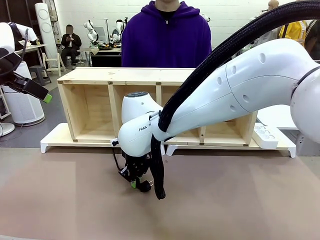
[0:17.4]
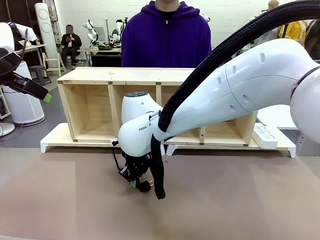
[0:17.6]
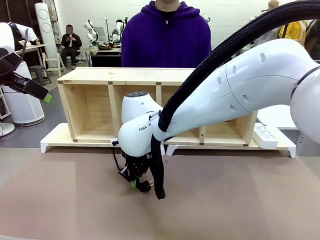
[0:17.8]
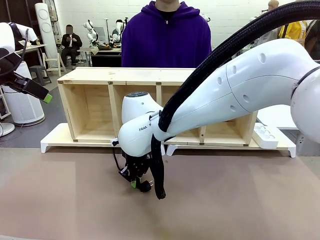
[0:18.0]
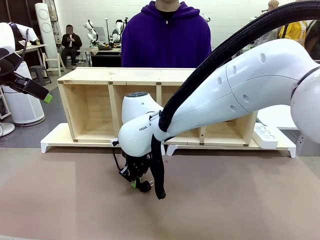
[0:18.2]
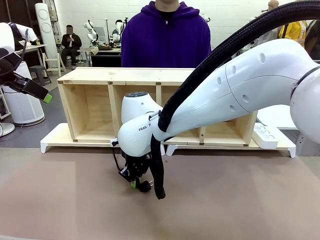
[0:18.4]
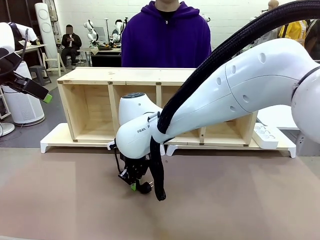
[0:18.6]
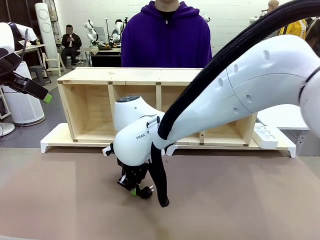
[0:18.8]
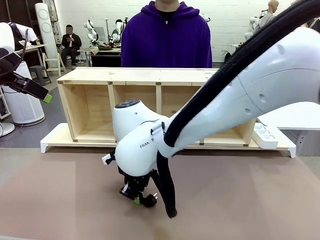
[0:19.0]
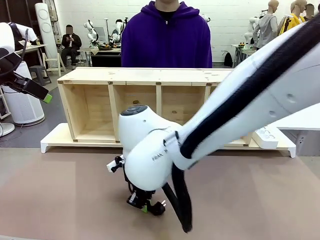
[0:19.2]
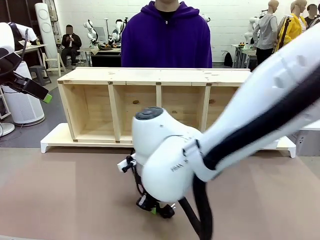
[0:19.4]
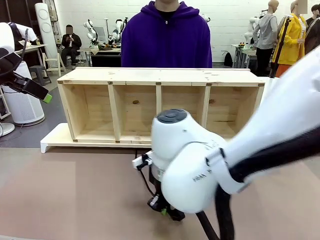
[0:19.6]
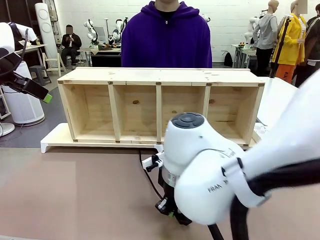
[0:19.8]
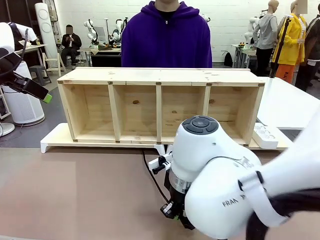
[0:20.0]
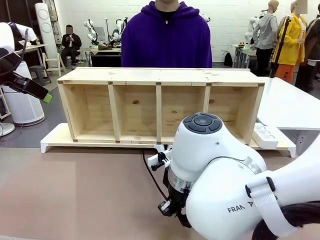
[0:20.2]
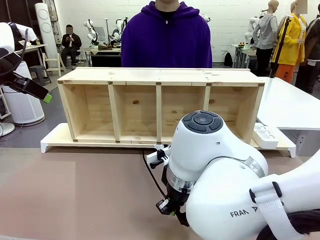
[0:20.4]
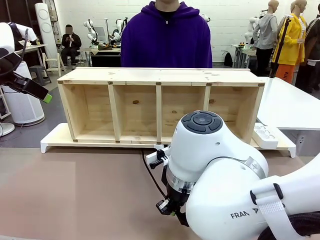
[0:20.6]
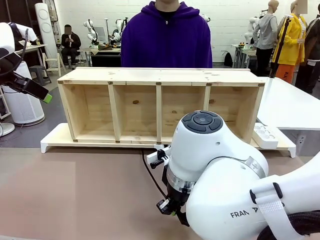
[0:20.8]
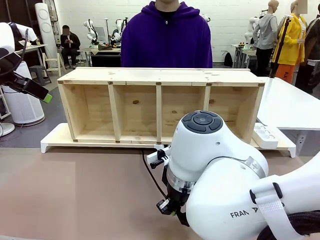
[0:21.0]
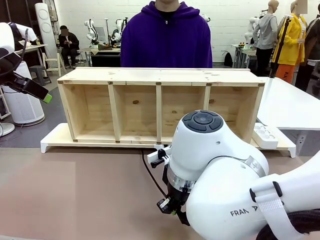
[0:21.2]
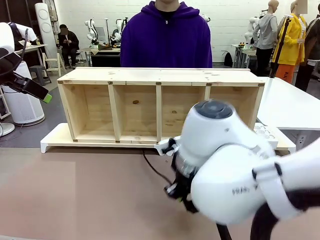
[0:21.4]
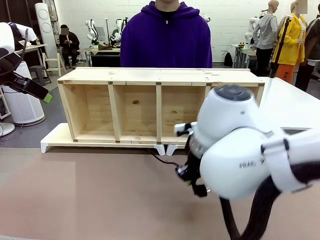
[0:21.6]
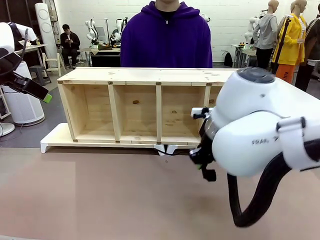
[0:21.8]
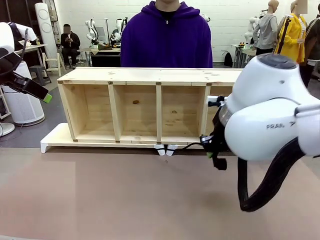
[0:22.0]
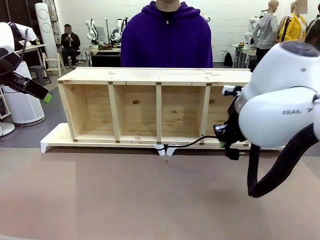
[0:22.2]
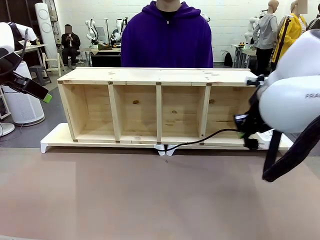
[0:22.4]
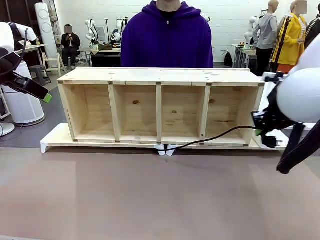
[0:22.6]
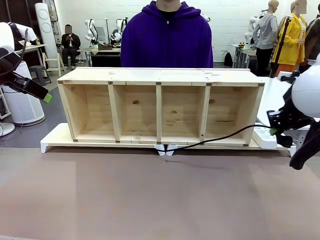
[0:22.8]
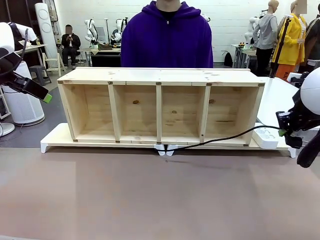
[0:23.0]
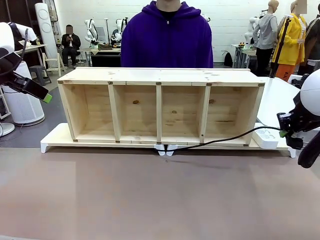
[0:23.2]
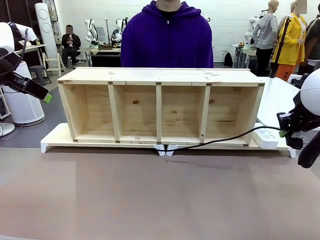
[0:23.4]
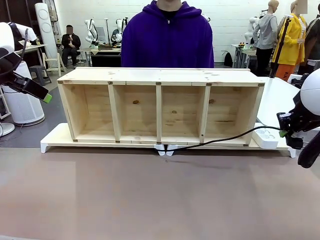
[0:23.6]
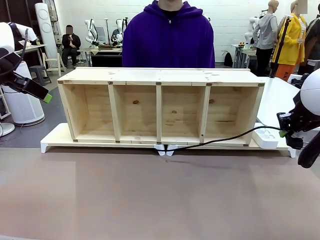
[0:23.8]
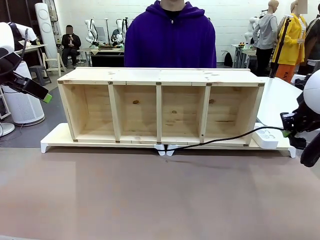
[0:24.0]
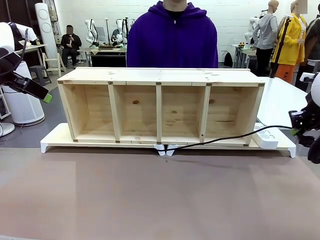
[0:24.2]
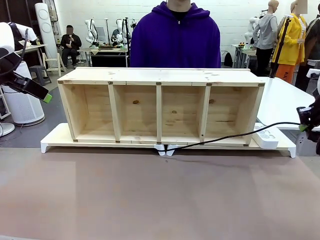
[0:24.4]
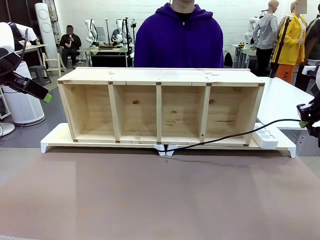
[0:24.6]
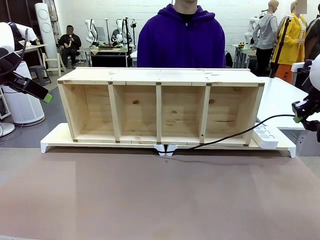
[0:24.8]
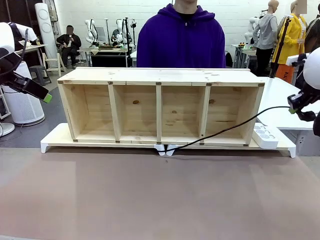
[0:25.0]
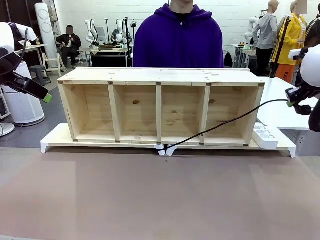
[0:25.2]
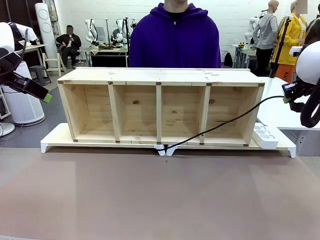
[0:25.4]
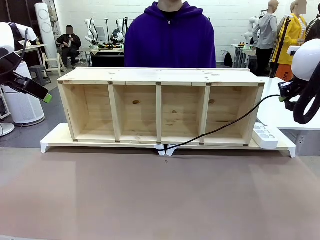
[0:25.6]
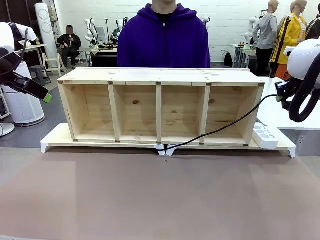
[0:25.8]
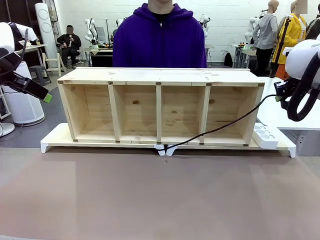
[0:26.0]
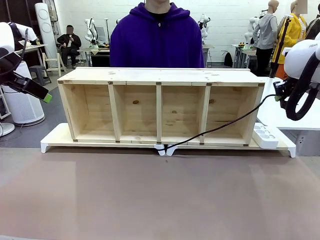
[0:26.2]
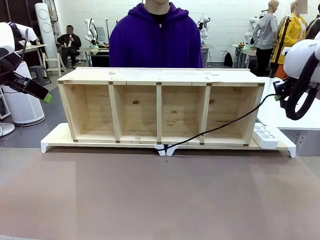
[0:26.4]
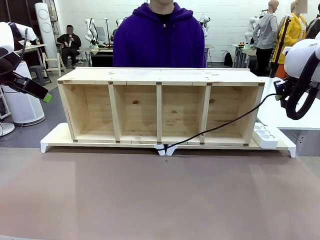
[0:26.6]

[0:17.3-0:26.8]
Task: Perform cable management.
Robot: Pull the grasped Power Cable to the location of the Power Strip.

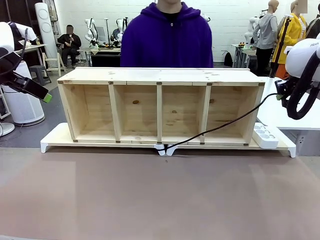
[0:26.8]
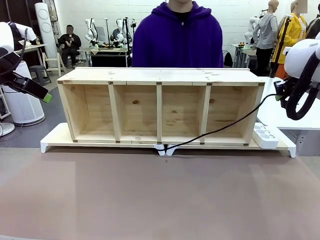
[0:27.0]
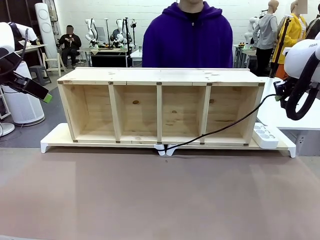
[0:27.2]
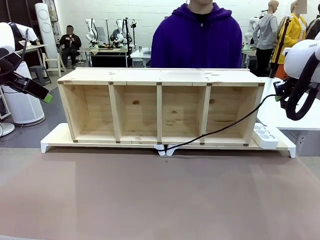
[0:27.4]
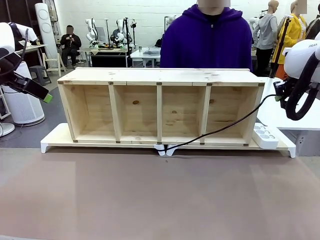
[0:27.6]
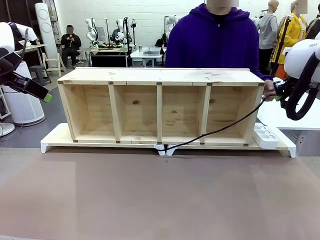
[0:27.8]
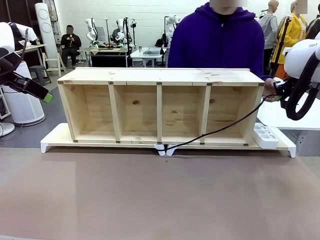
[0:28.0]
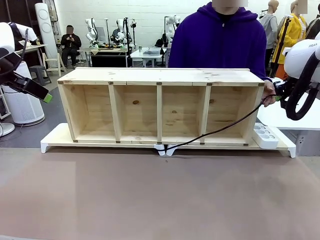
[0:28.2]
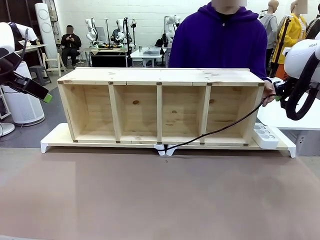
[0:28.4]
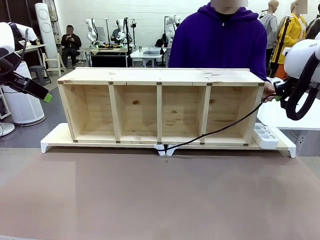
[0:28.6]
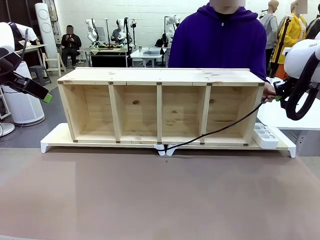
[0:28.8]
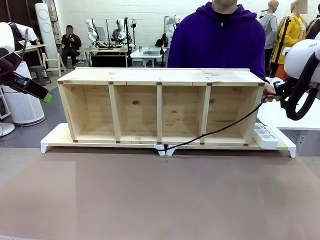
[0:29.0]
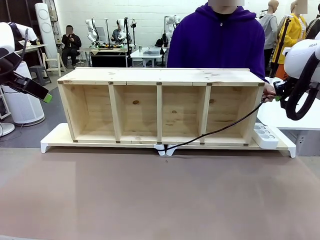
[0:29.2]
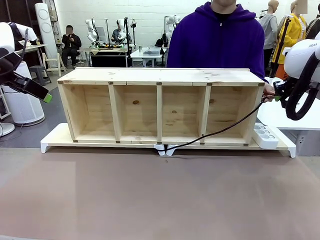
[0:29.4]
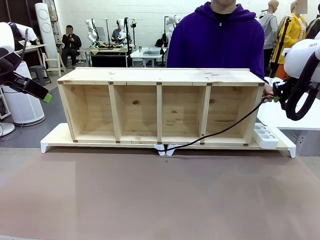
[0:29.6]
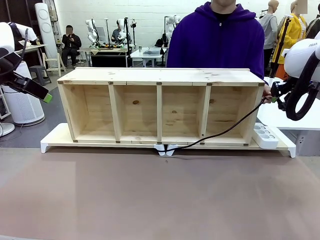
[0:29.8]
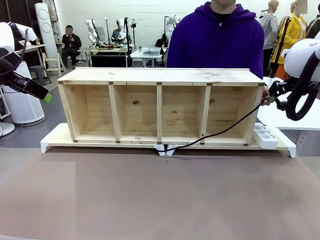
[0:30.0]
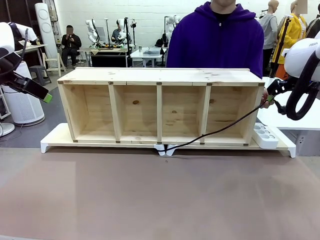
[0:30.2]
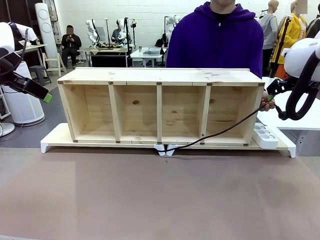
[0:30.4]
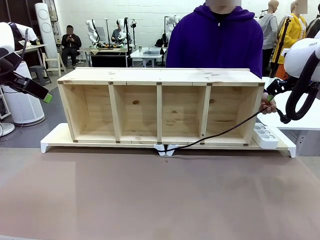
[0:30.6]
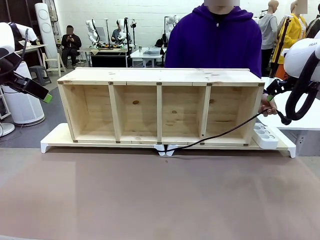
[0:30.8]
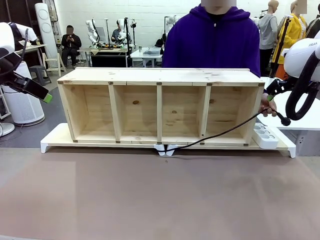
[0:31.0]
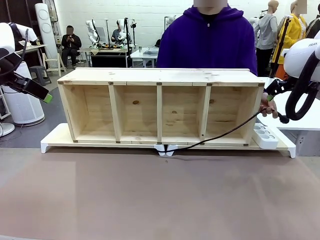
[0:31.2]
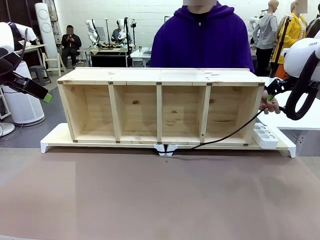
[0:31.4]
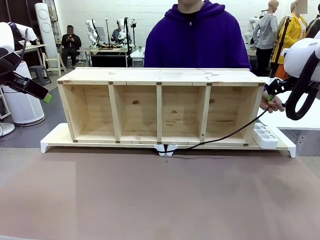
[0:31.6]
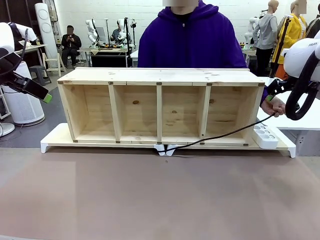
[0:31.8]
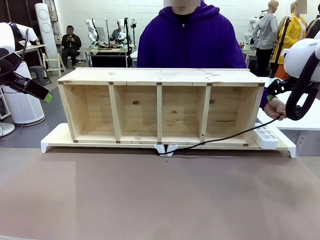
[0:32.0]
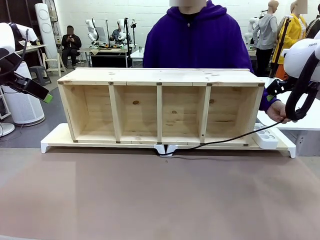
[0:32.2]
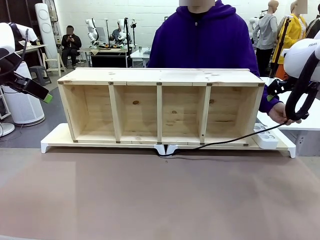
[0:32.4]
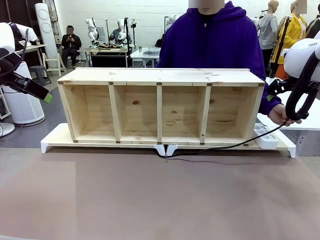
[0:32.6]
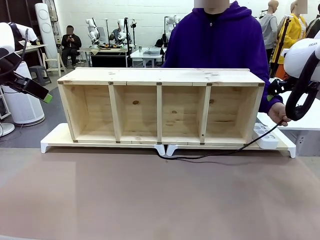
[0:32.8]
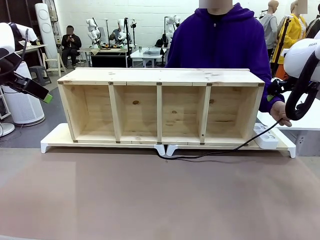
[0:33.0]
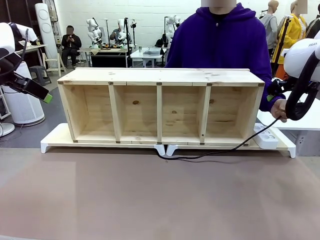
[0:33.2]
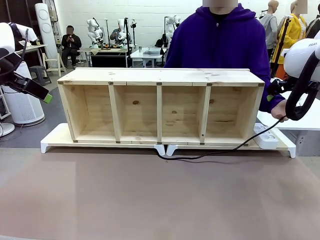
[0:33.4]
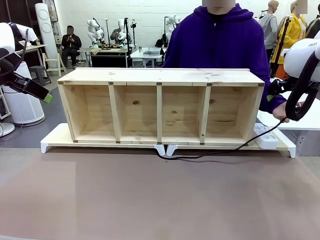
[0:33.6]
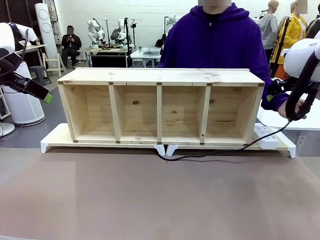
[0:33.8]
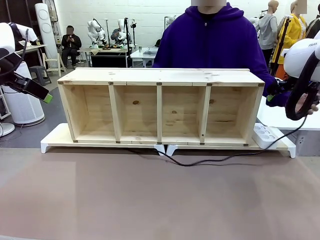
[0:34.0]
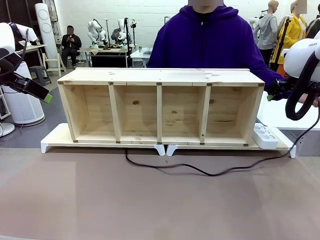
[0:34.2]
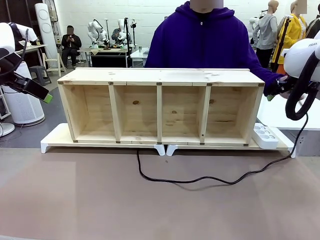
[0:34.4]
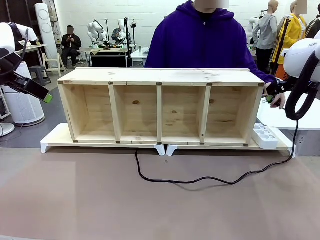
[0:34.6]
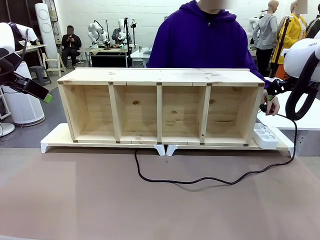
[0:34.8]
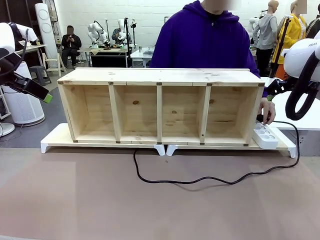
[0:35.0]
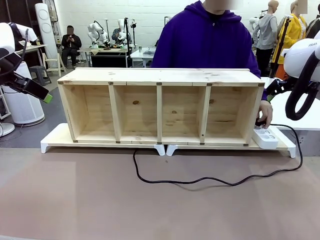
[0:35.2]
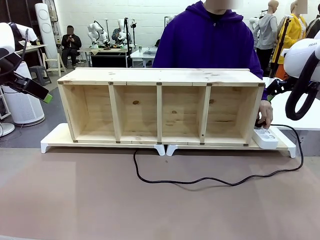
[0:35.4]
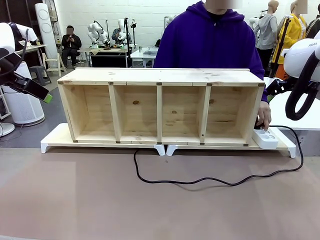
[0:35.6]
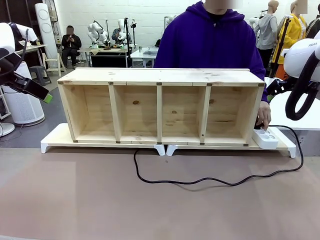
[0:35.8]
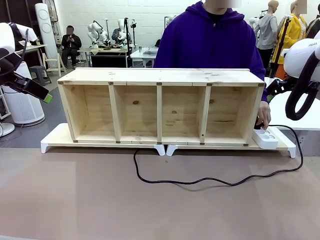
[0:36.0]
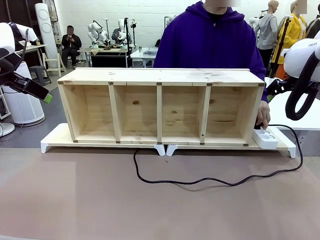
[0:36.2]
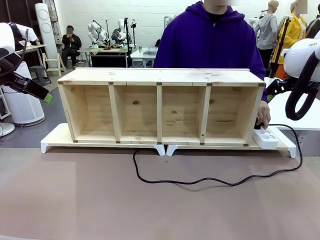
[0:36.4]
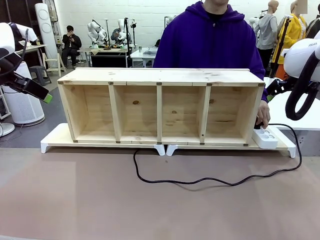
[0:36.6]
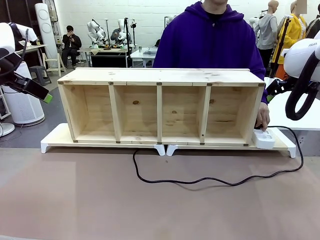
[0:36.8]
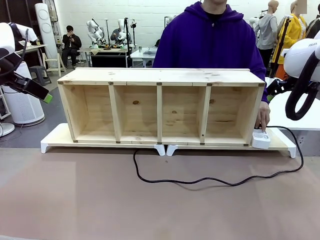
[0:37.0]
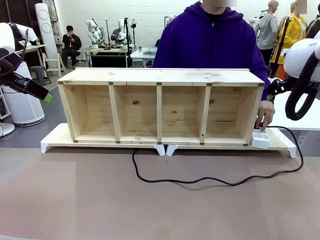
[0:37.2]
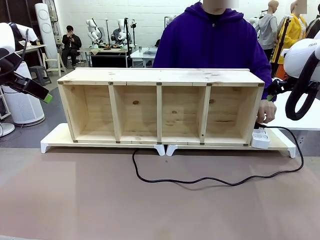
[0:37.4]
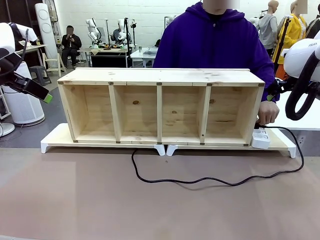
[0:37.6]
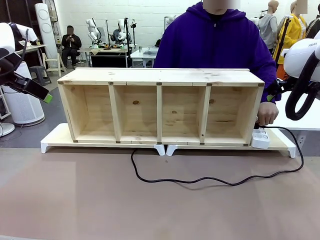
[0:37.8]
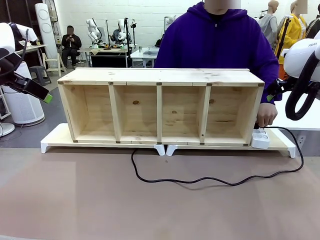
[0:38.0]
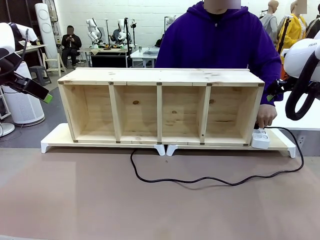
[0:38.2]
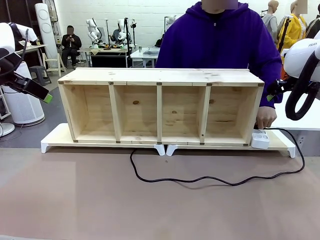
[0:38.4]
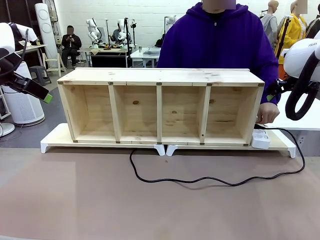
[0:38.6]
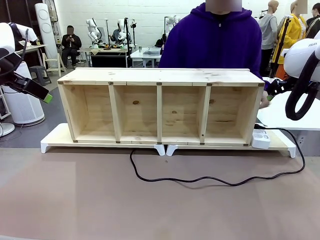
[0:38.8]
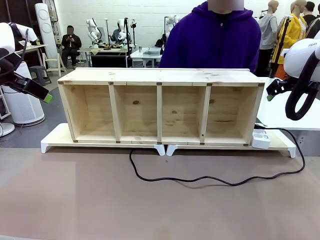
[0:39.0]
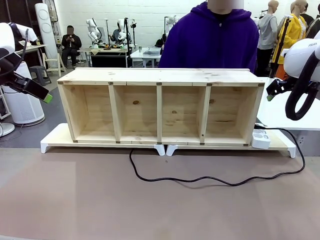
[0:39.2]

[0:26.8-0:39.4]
Robot: Release the Power Cable when the human grasps it.
Person: Plug the Power Cable into the Power Strip.
